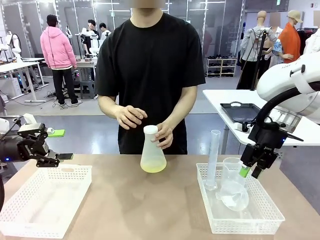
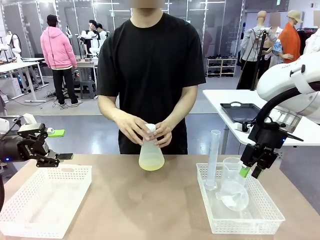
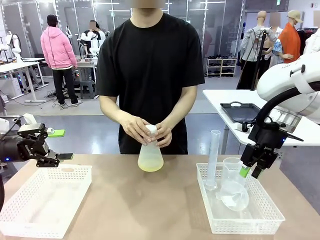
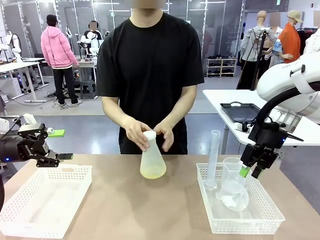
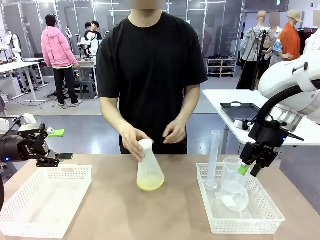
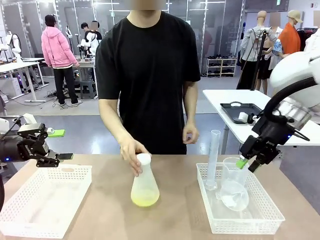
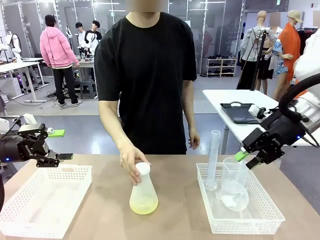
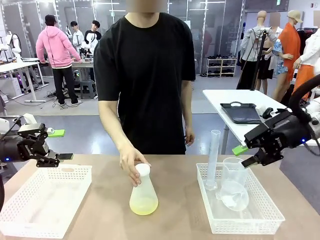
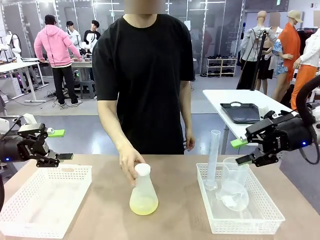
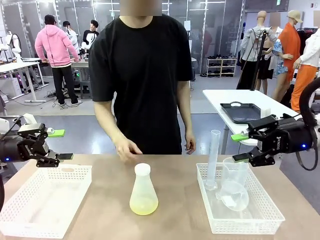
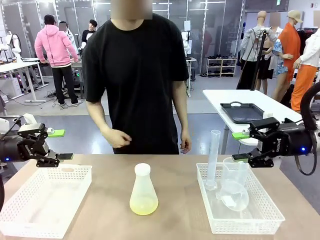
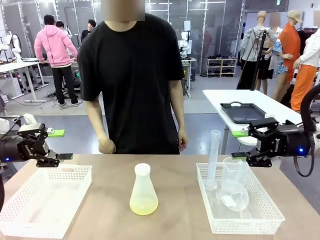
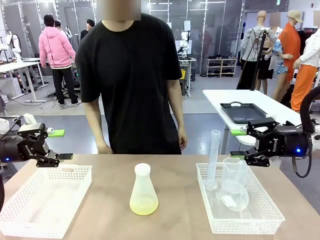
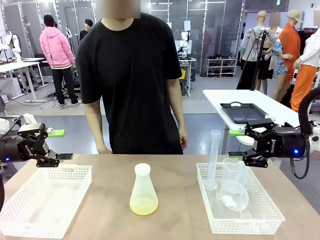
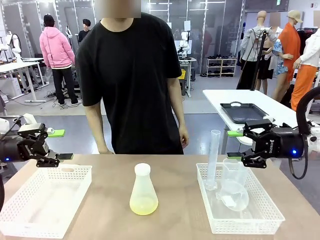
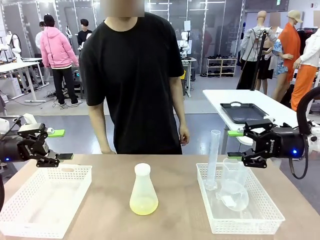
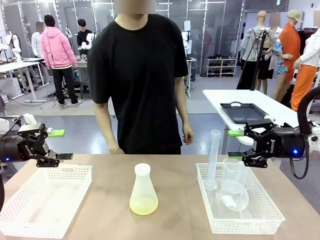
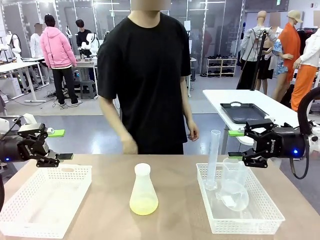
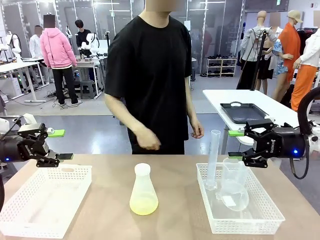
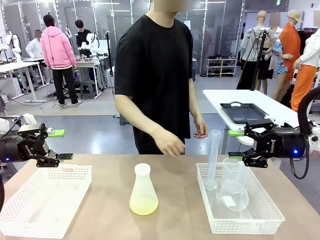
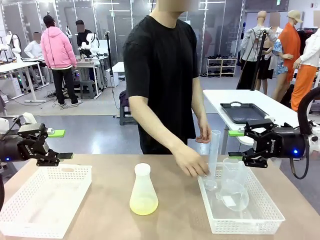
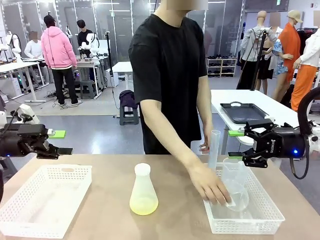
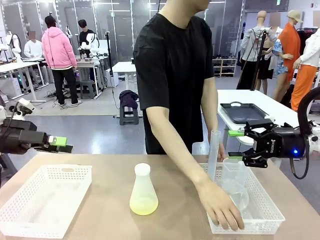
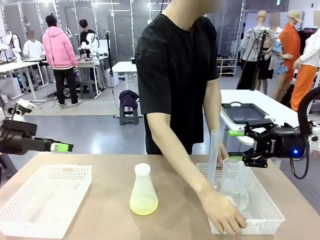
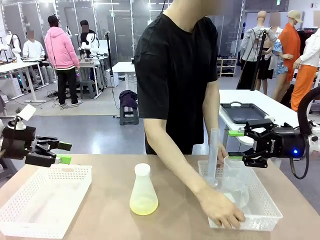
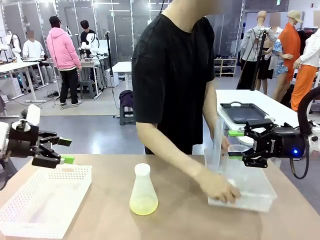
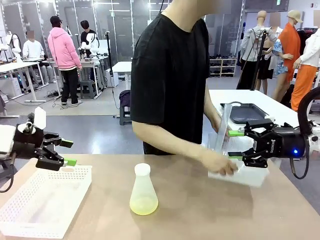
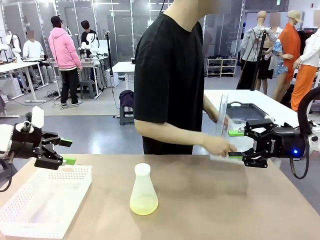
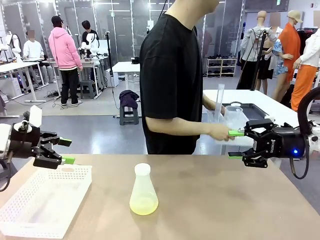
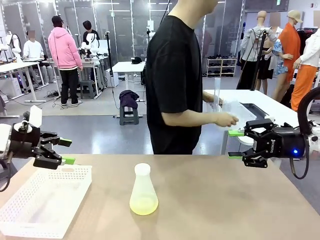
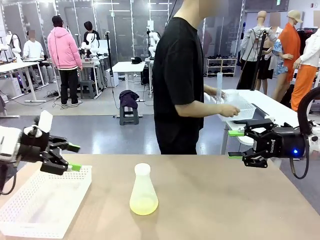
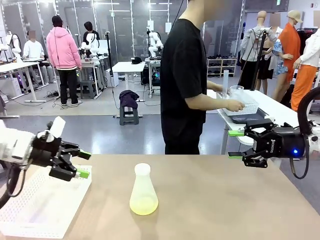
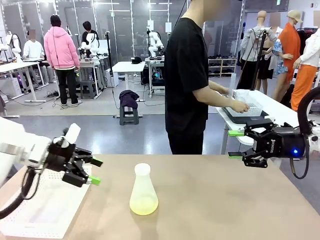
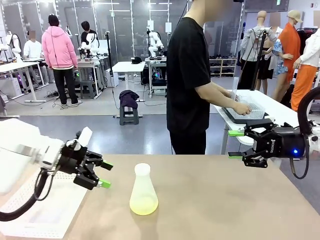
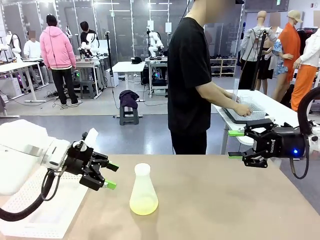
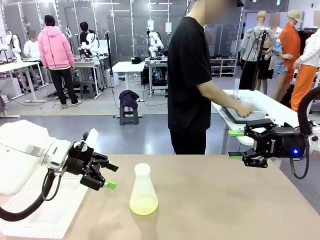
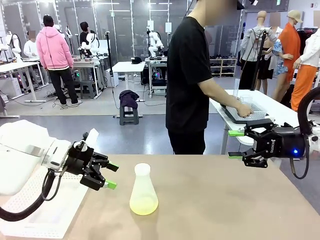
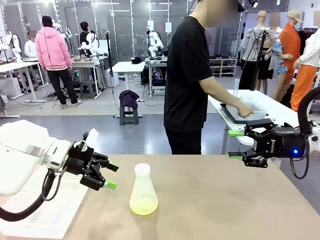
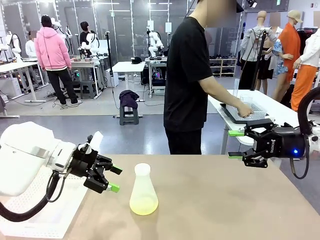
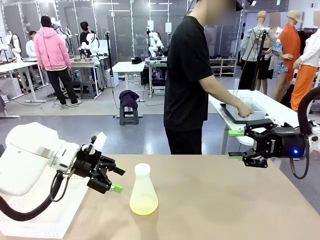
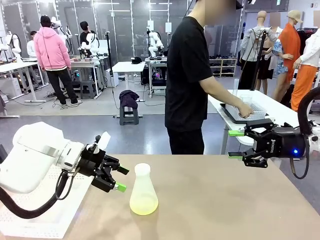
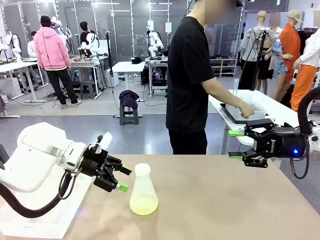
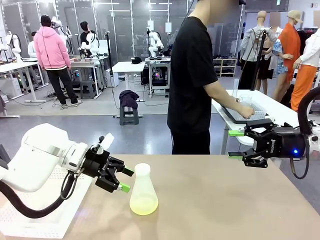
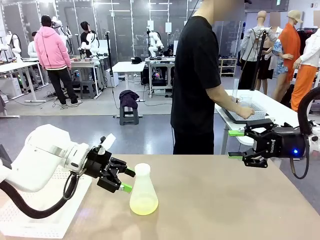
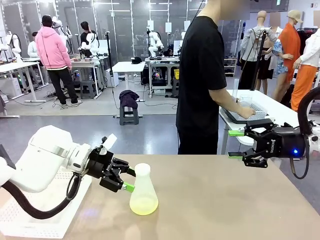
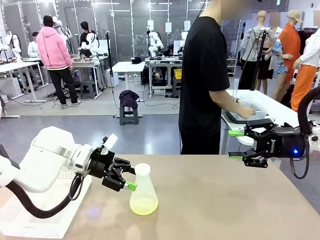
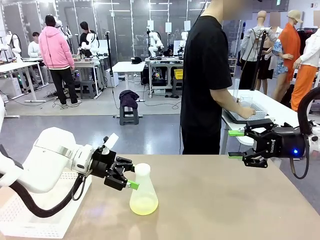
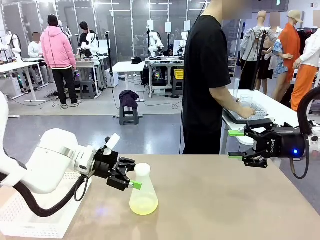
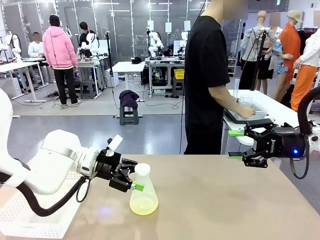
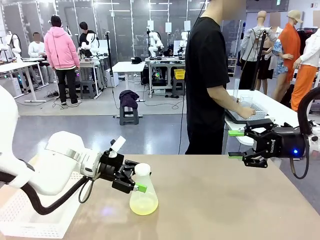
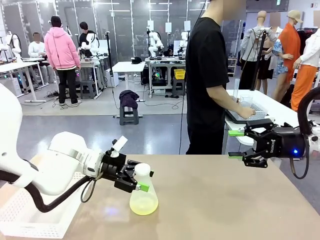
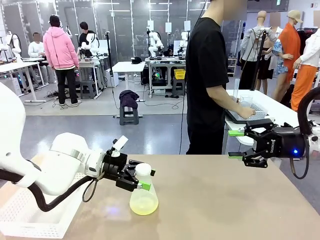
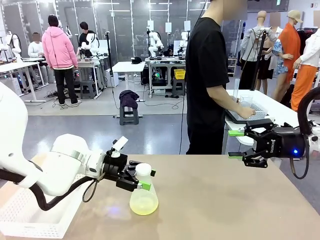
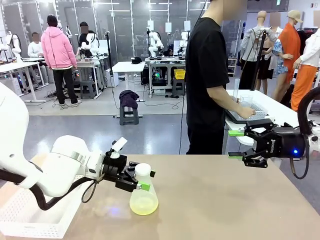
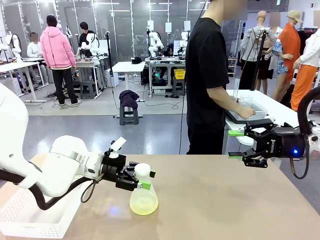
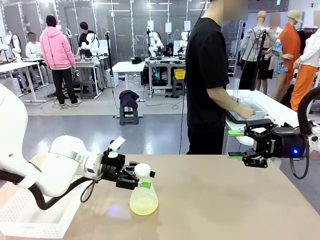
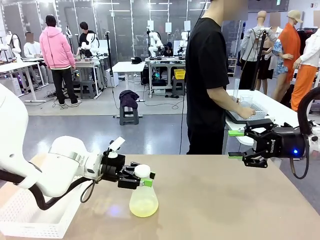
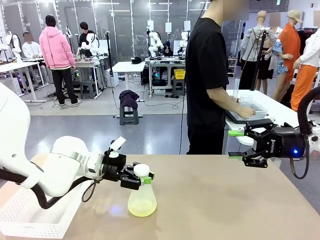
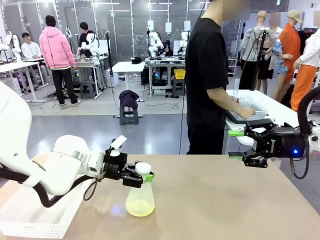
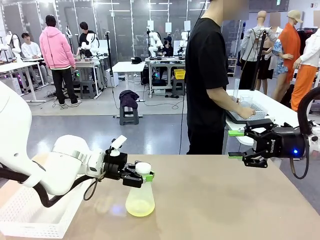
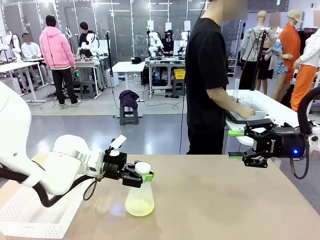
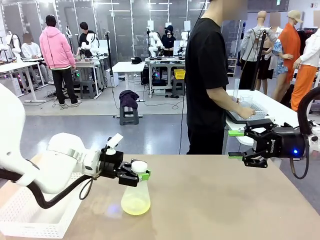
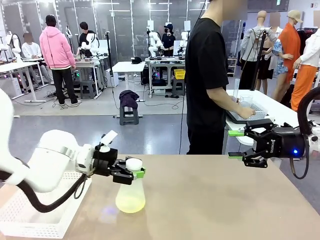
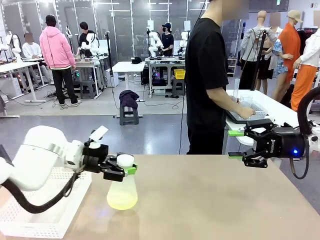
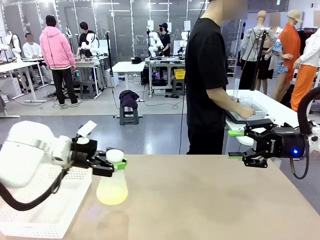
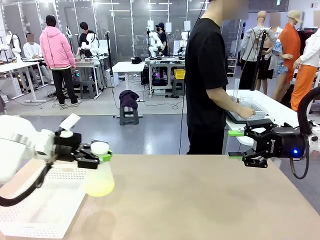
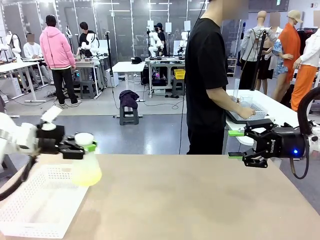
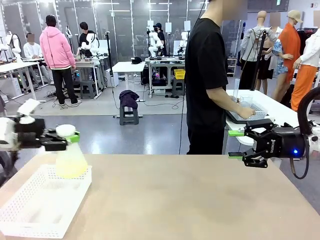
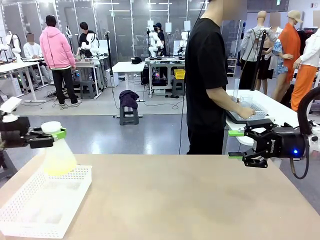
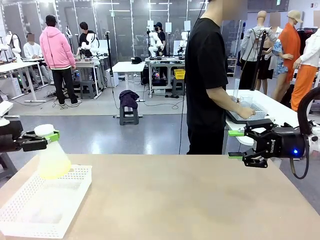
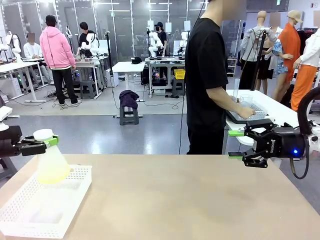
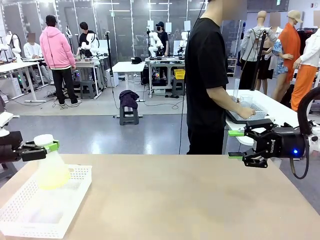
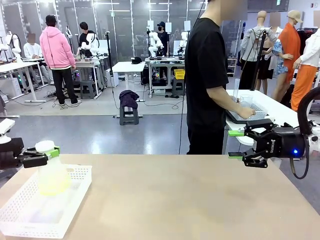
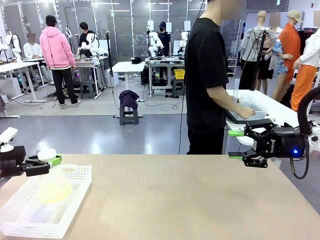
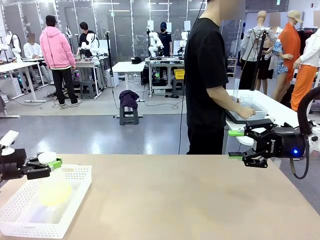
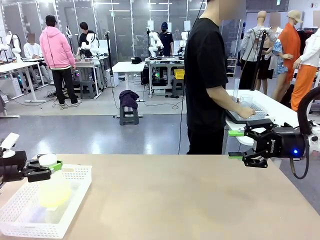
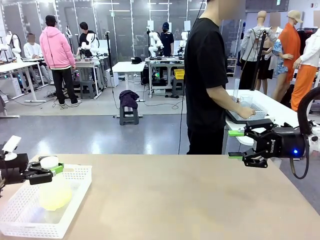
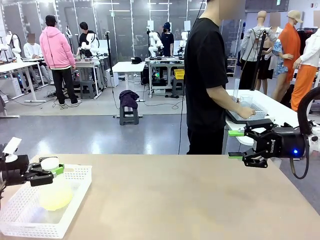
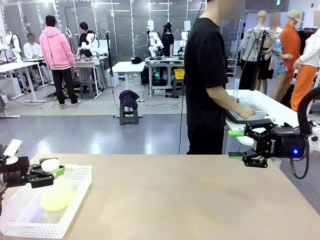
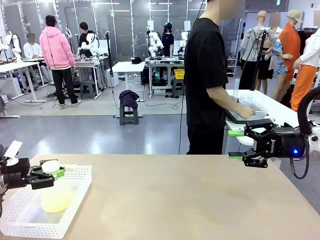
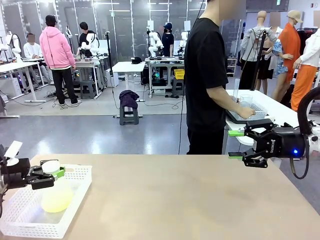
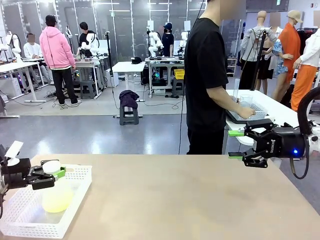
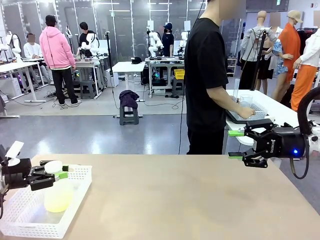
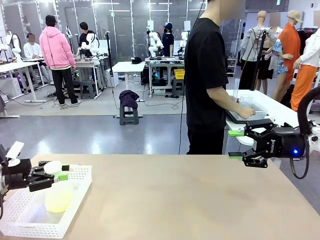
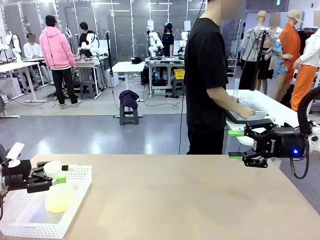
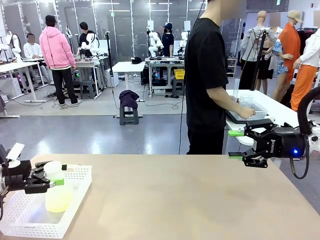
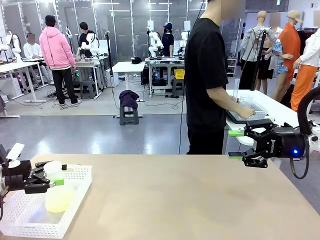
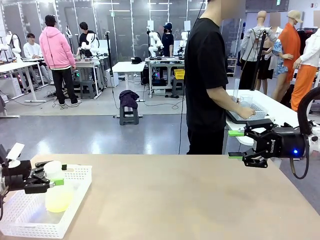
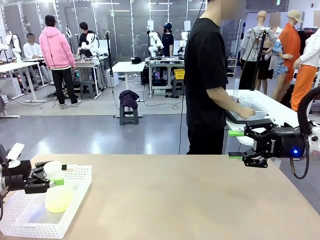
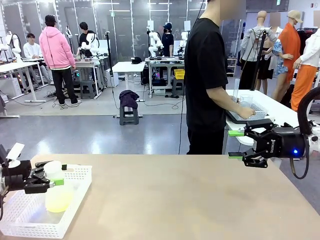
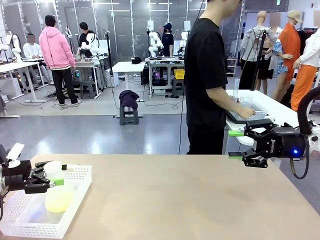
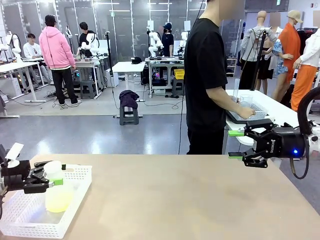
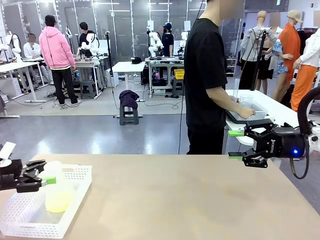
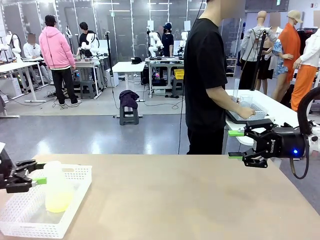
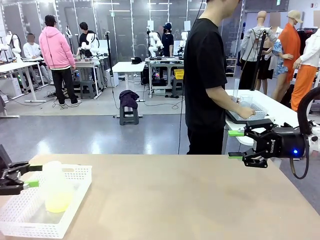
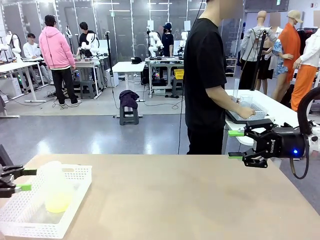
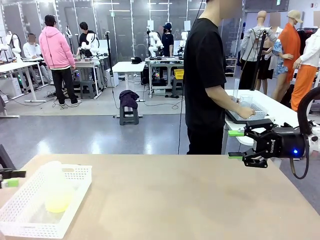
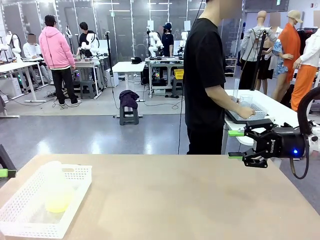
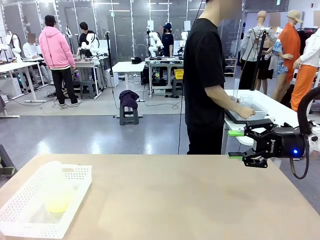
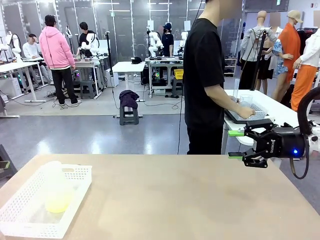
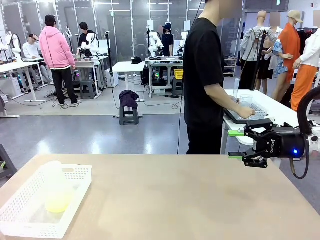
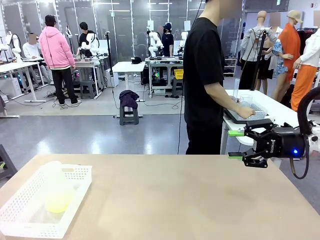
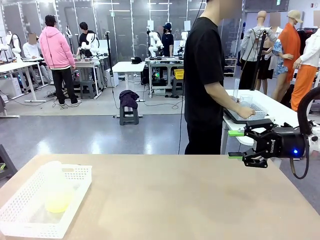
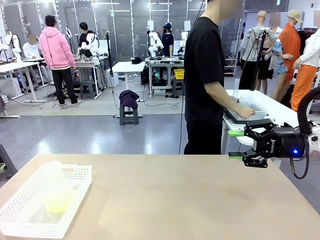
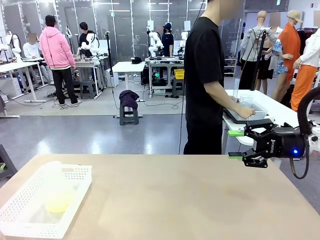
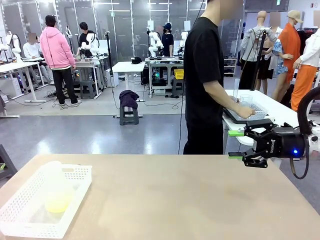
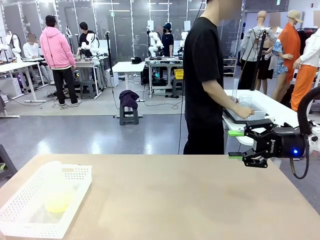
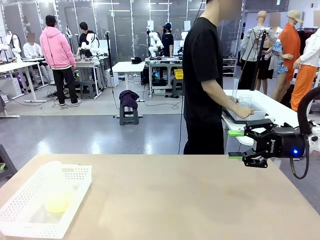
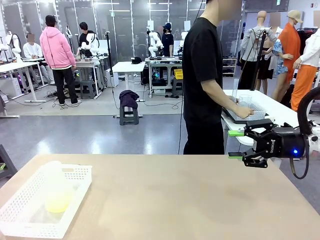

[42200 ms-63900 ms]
Task: Prepare the solutions needed for the experiment.
Robot: When the human places the Big flask in the center of the table, pick up the Big flask and place it in the left Organizing basket.
Person: Pick up the organizing basket on the left side of the robot table and place it on the left side of the human table.
